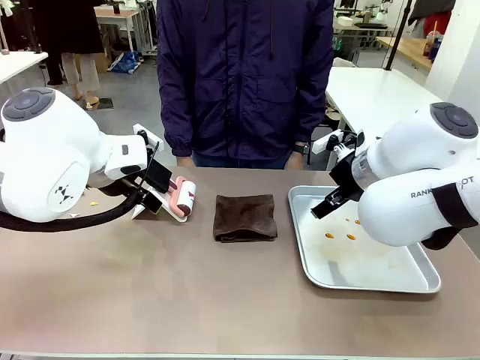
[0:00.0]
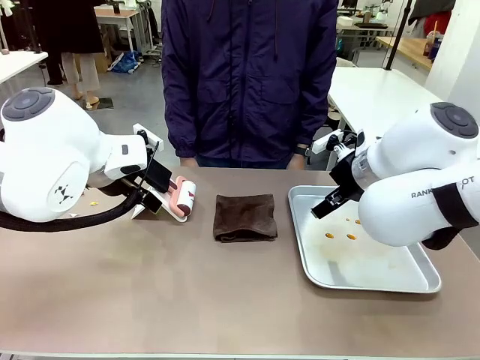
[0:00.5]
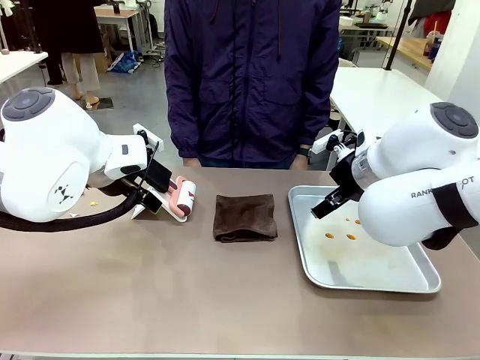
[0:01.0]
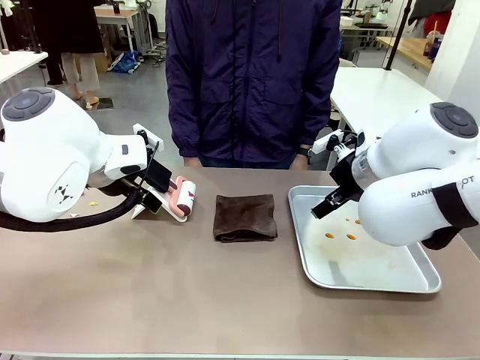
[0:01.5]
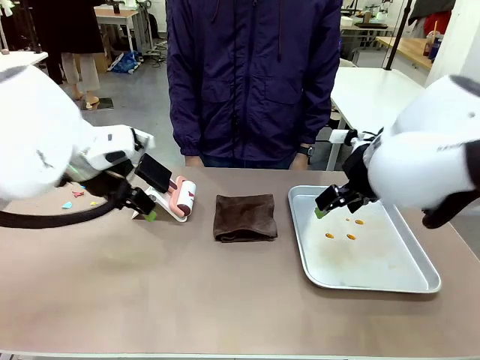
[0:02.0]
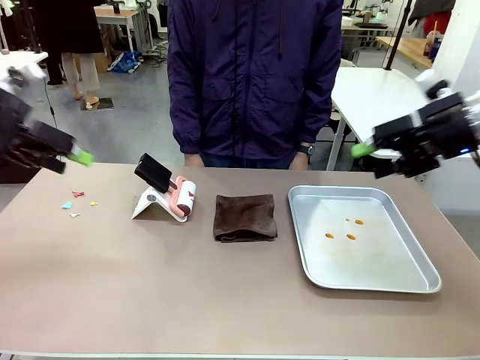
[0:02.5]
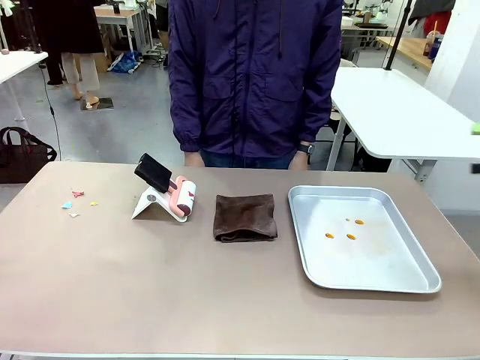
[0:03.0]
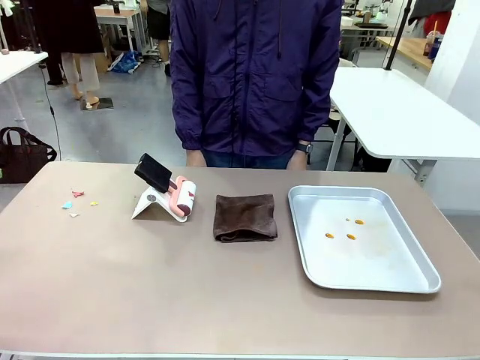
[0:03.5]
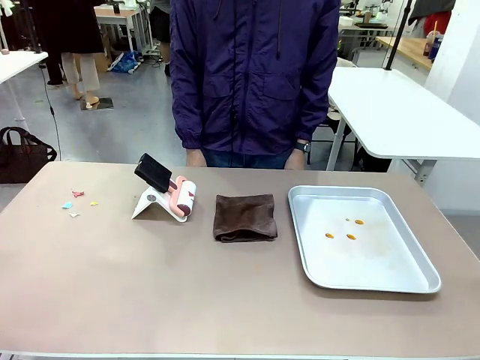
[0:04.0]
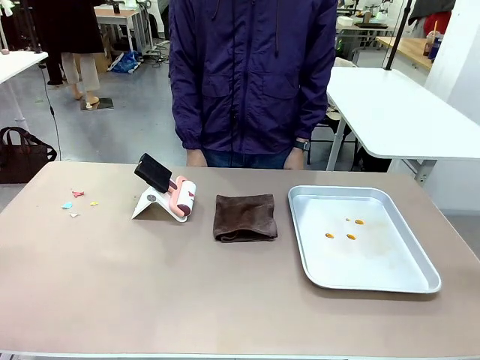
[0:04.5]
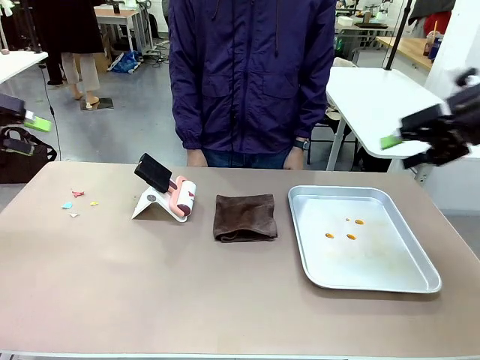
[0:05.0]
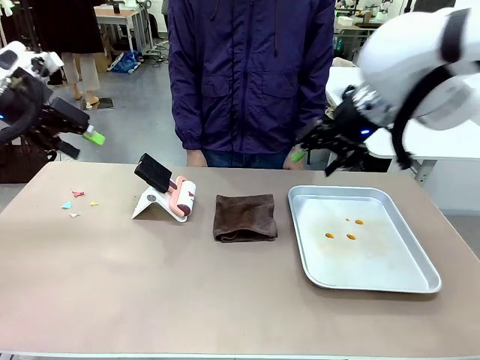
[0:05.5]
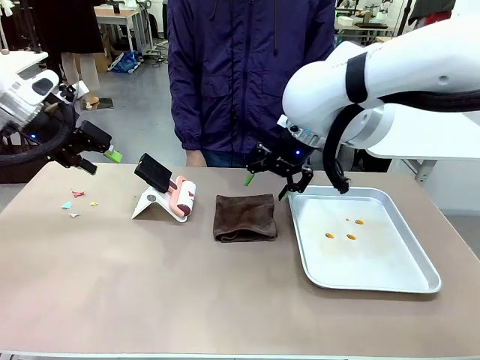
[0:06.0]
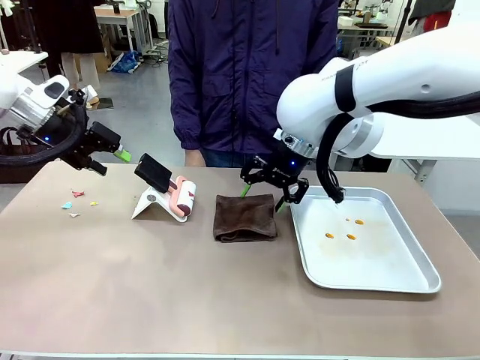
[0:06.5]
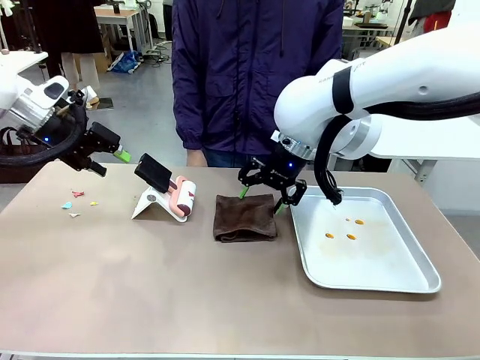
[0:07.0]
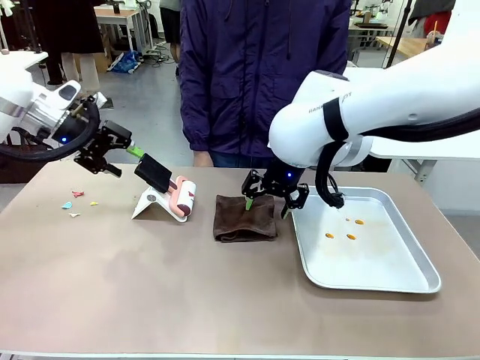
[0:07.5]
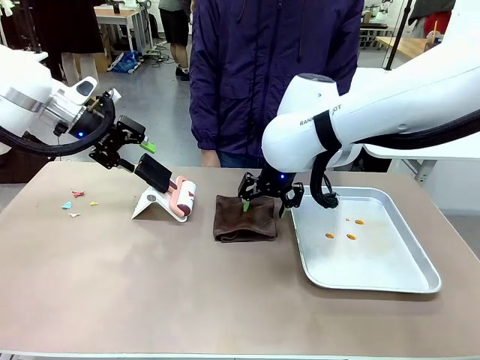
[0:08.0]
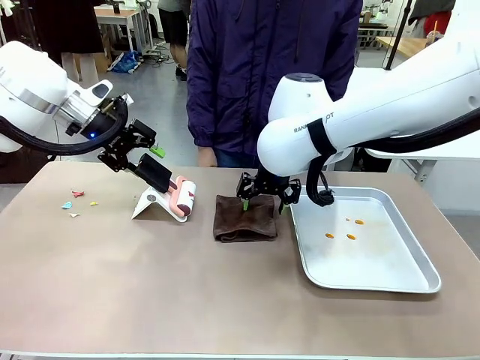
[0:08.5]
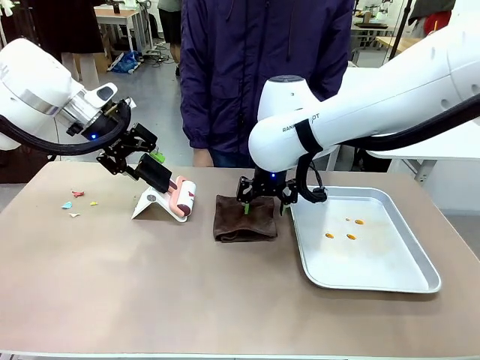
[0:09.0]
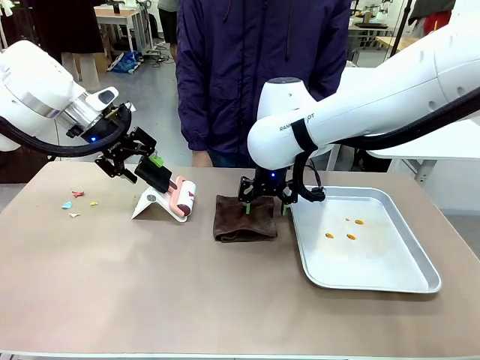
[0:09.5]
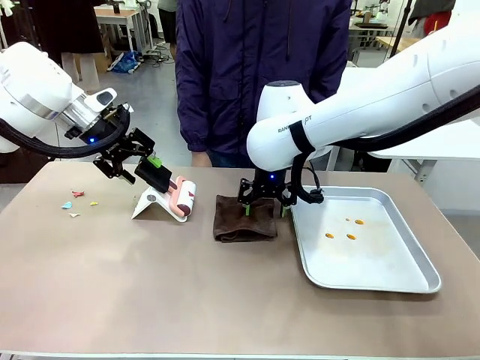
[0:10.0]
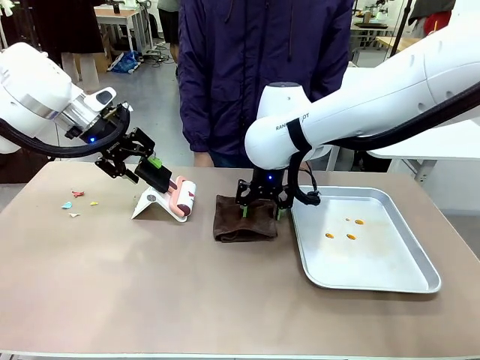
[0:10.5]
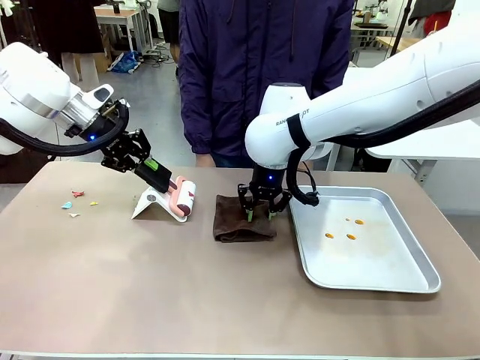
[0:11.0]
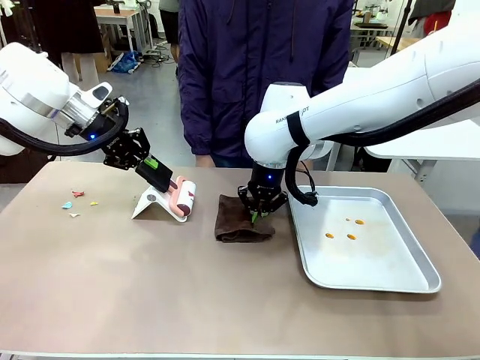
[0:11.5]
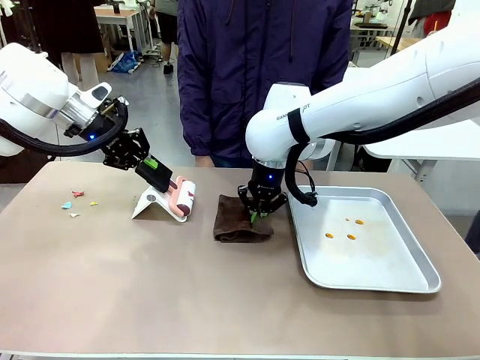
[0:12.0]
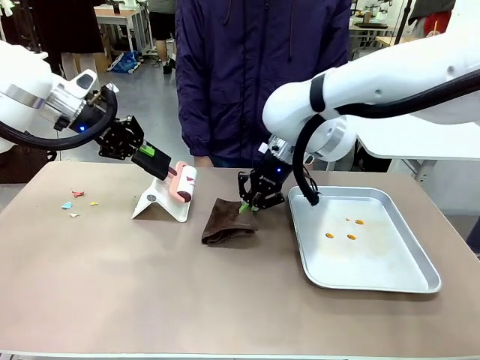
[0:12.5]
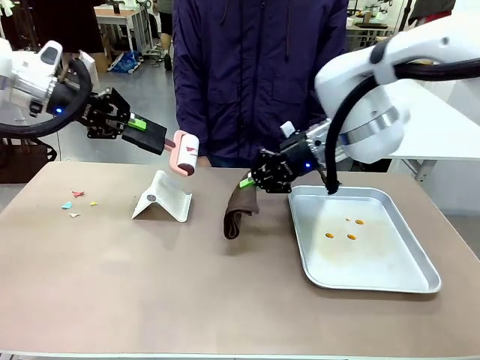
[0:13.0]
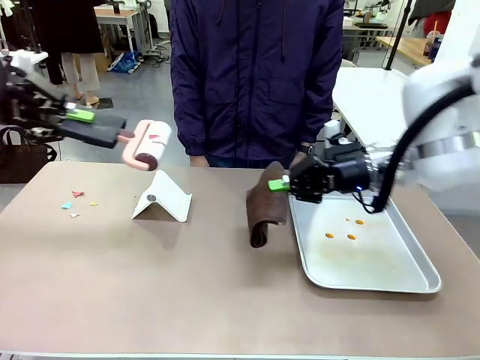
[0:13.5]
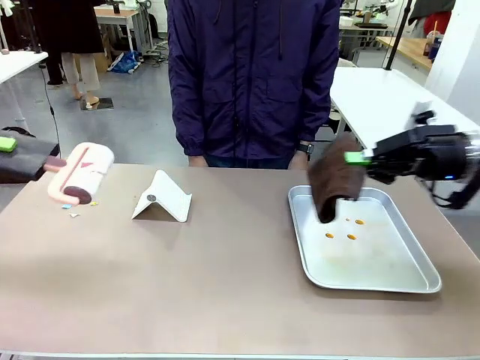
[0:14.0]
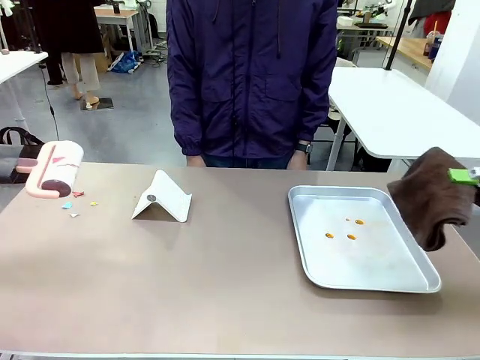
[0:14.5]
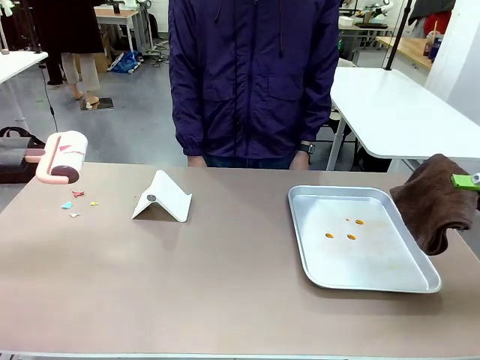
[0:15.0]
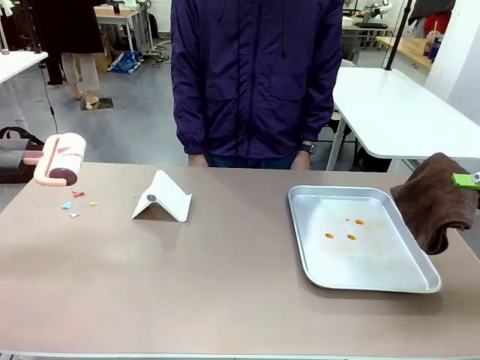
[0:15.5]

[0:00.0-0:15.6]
Task: Clean the surface of the table.
Robot: Hold the Lint Roller with your left hand and the towel with your right hand.

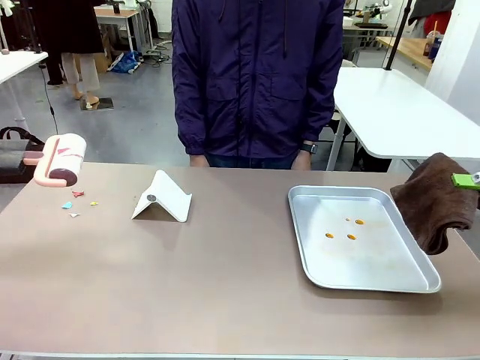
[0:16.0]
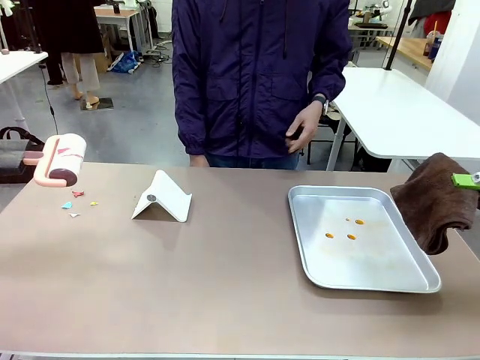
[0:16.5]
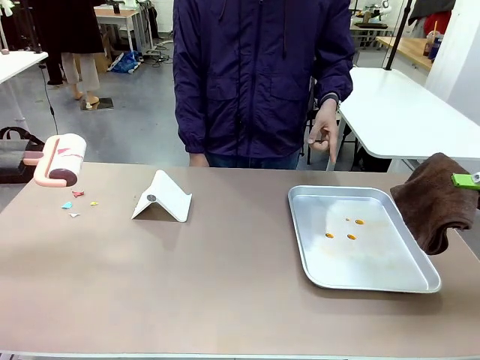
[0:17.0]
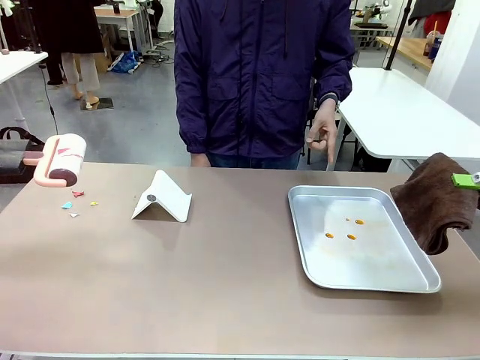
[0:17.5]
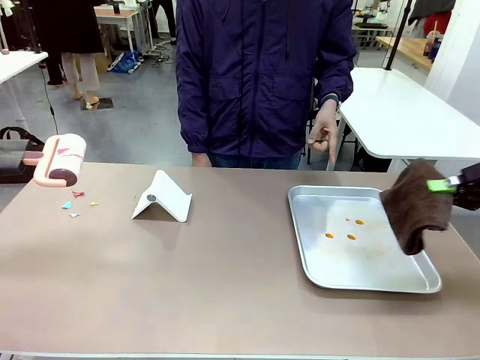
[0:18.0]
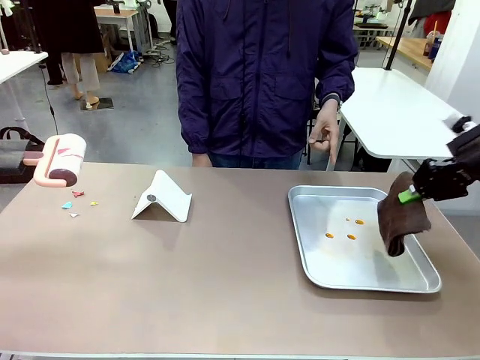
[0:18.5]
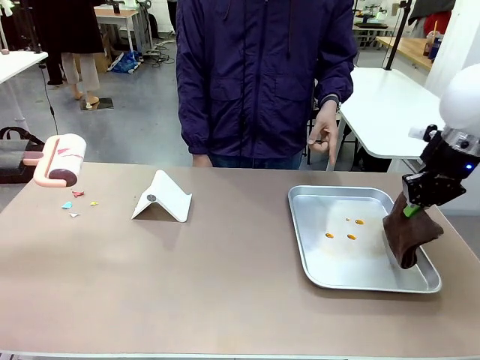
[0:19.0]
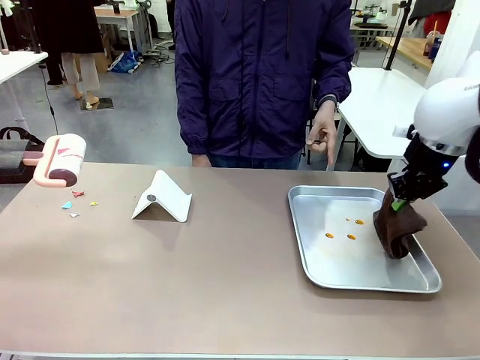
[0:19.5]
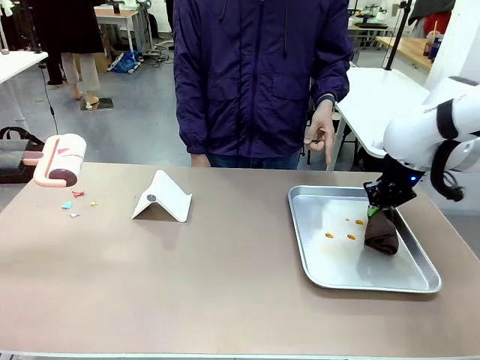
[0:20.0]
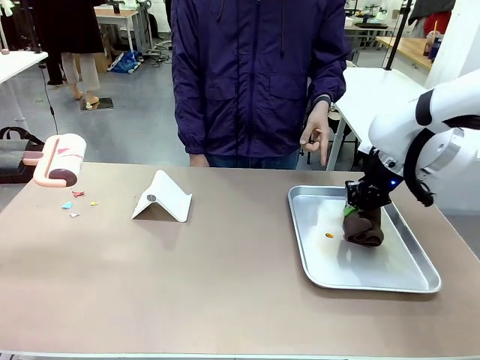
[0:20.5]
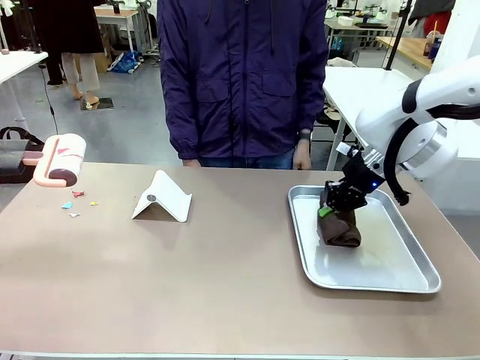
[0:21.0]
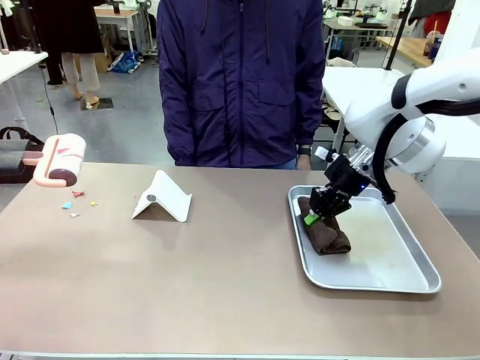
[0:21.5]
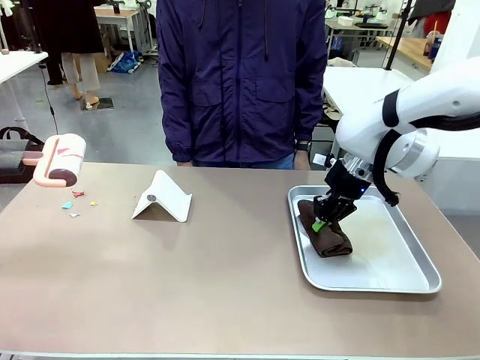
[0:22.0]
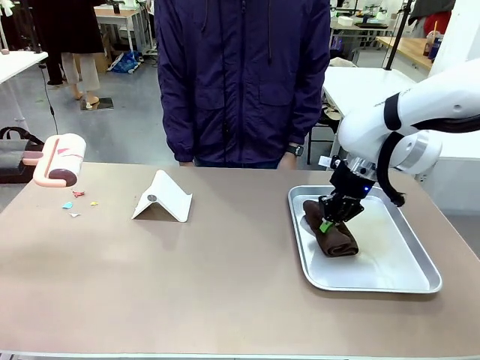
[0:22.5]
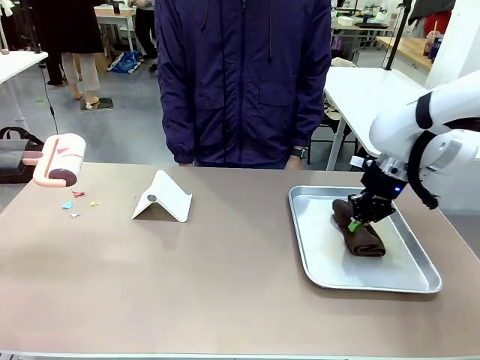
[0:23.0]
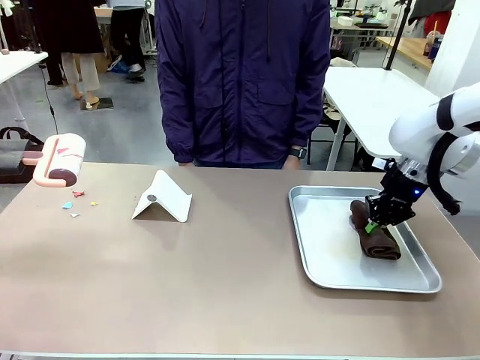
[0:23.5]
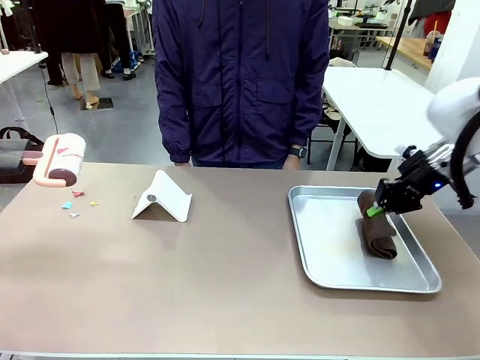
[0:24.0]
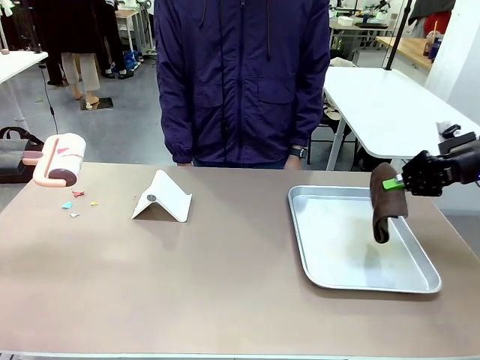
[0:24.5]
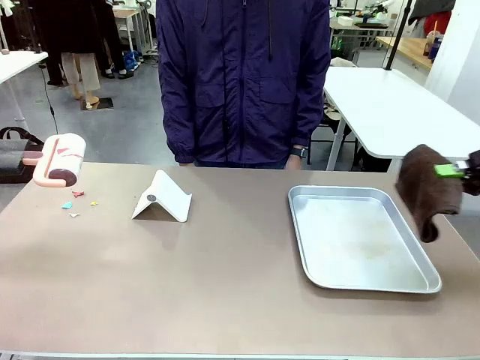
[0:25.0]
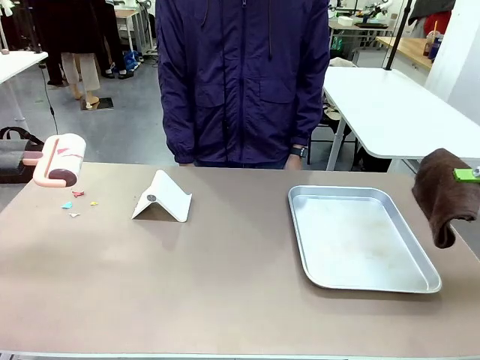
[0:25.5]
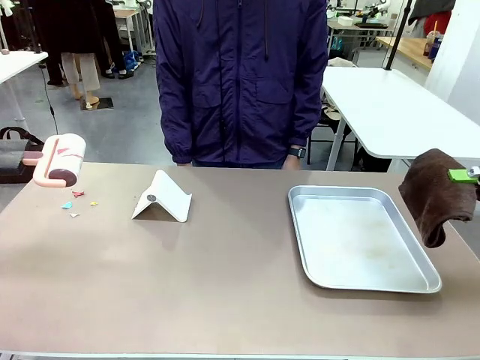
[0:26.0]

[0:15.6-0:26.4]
Robot: If a person points to the right, clean the right side of the table with your right hand, and if they point to the left, clean the left side with your left hand.
